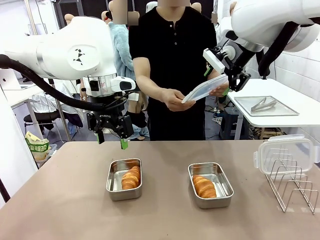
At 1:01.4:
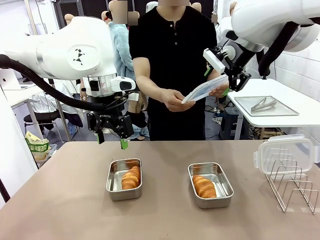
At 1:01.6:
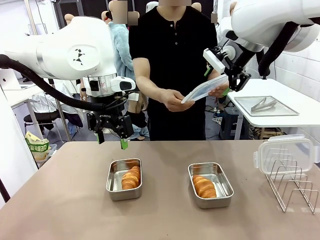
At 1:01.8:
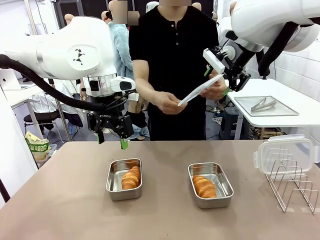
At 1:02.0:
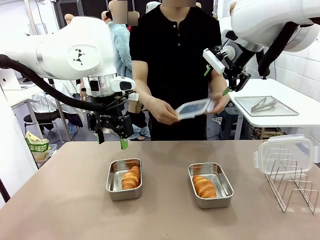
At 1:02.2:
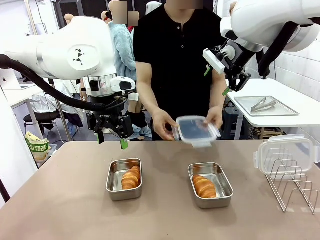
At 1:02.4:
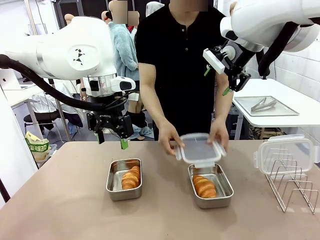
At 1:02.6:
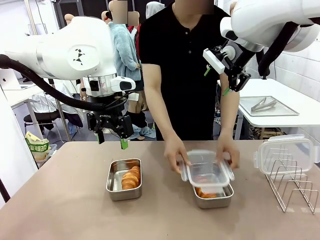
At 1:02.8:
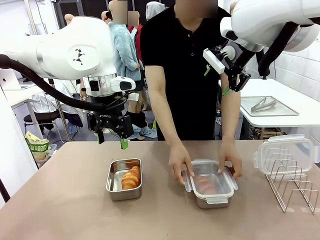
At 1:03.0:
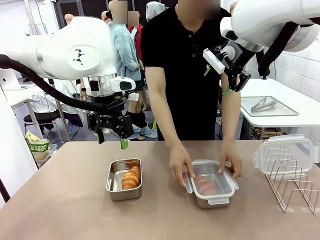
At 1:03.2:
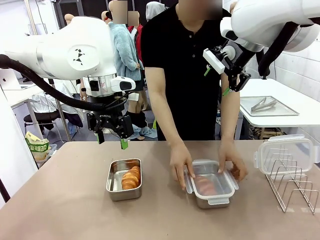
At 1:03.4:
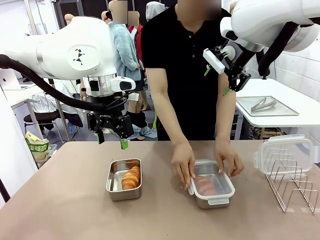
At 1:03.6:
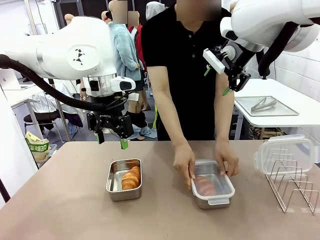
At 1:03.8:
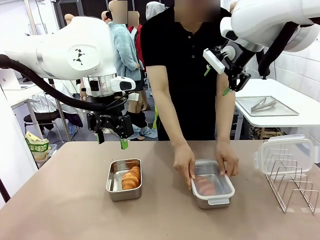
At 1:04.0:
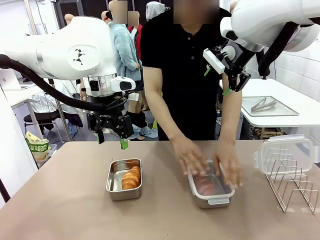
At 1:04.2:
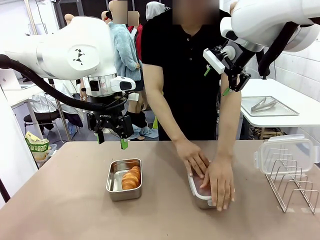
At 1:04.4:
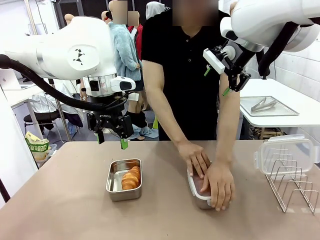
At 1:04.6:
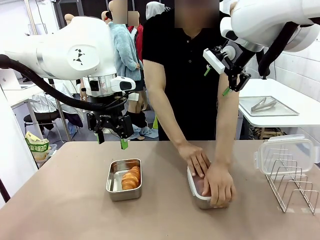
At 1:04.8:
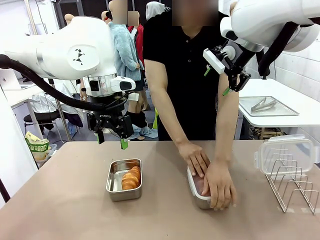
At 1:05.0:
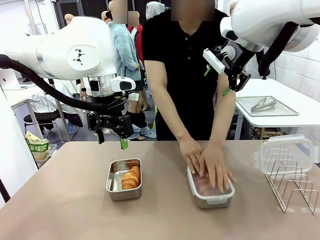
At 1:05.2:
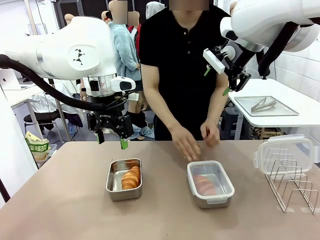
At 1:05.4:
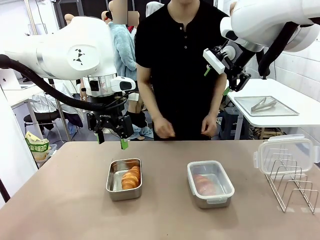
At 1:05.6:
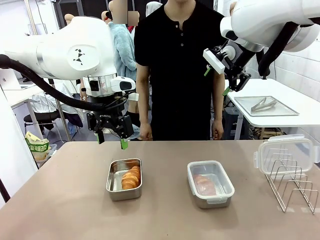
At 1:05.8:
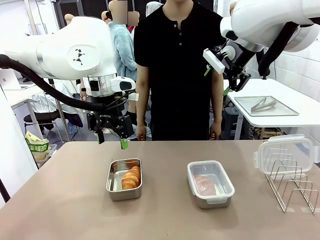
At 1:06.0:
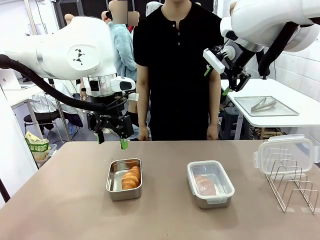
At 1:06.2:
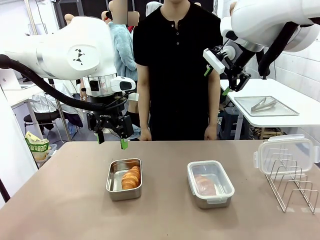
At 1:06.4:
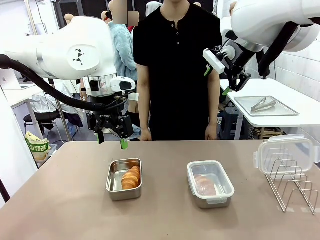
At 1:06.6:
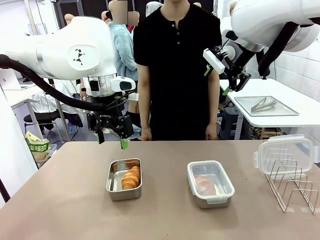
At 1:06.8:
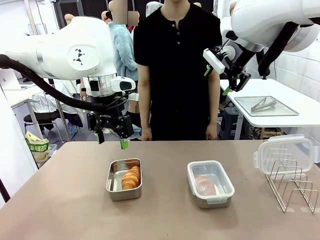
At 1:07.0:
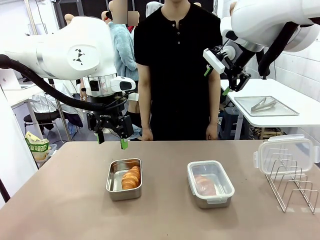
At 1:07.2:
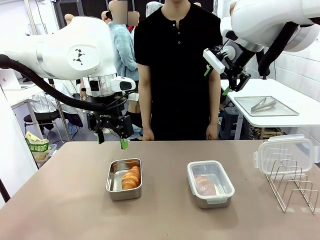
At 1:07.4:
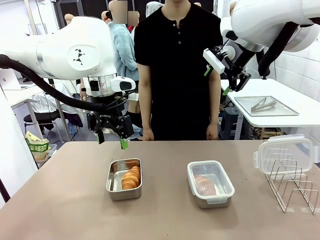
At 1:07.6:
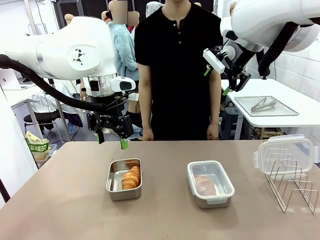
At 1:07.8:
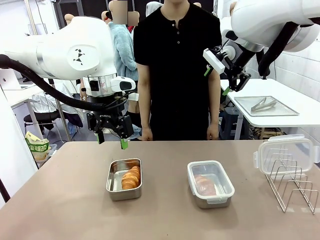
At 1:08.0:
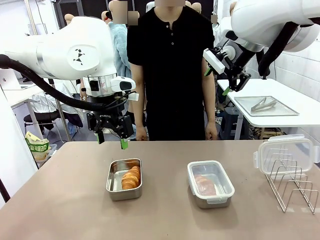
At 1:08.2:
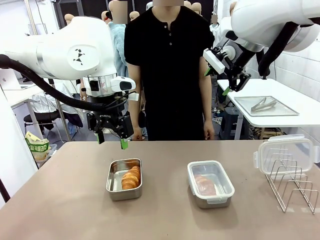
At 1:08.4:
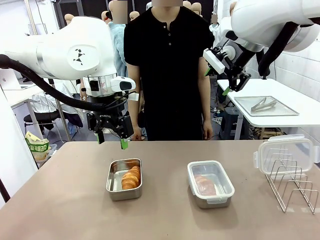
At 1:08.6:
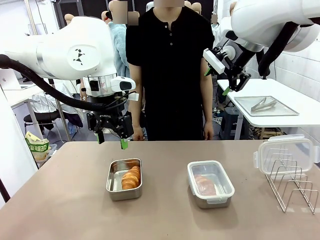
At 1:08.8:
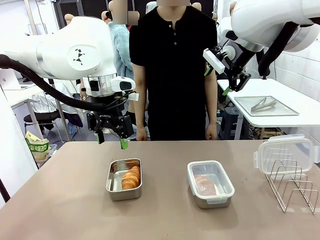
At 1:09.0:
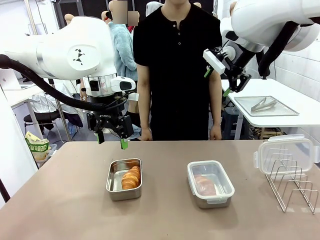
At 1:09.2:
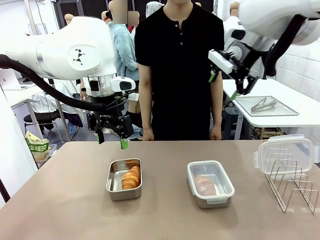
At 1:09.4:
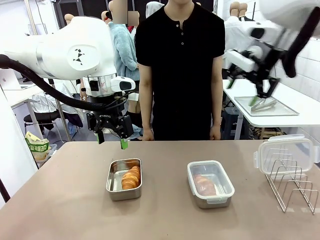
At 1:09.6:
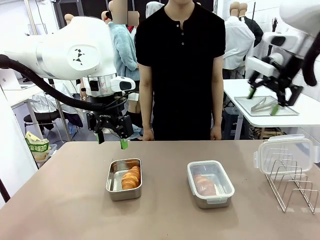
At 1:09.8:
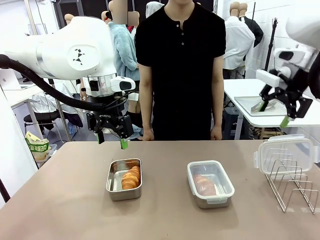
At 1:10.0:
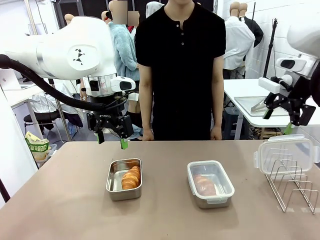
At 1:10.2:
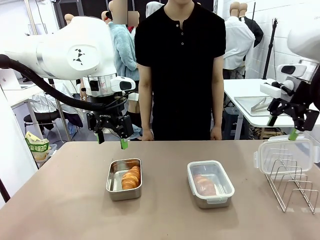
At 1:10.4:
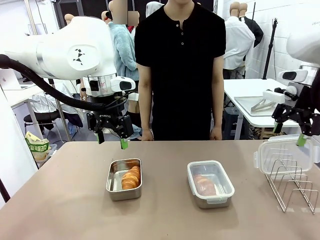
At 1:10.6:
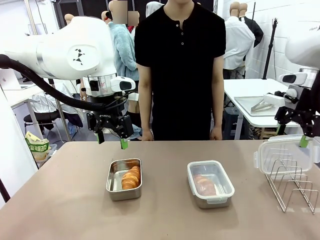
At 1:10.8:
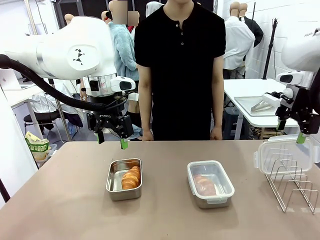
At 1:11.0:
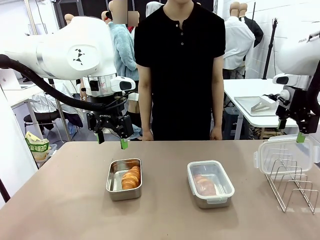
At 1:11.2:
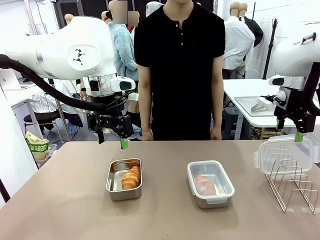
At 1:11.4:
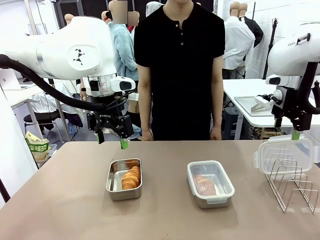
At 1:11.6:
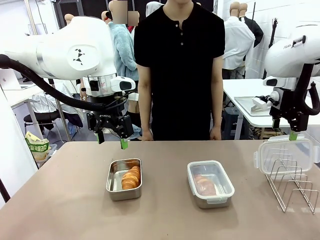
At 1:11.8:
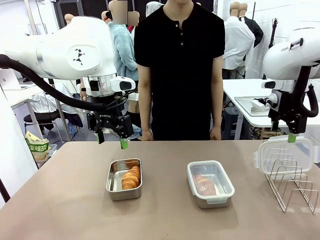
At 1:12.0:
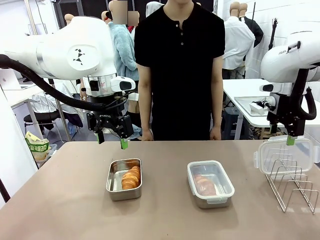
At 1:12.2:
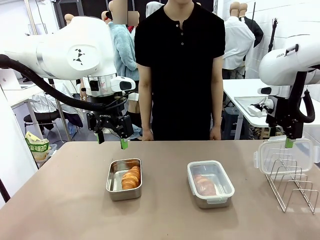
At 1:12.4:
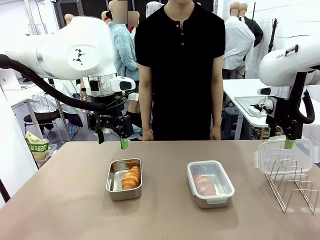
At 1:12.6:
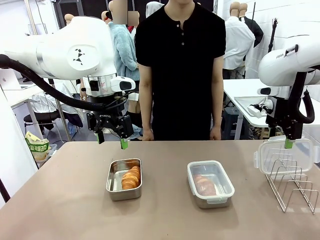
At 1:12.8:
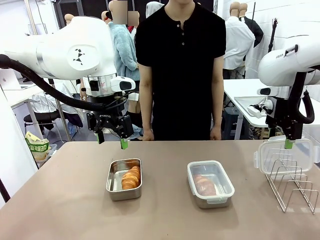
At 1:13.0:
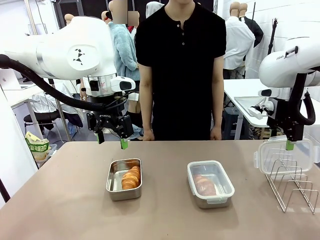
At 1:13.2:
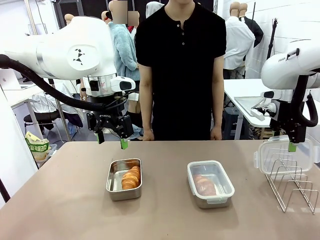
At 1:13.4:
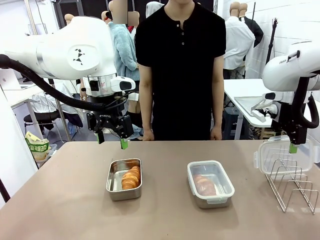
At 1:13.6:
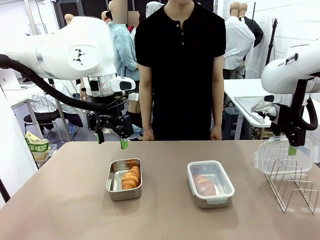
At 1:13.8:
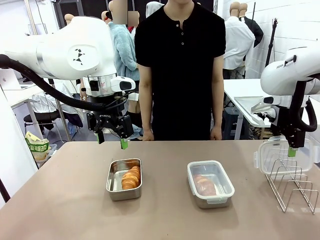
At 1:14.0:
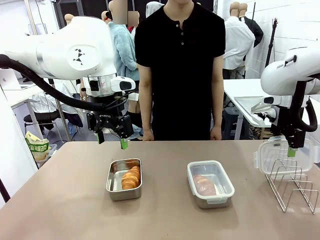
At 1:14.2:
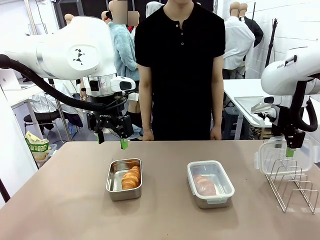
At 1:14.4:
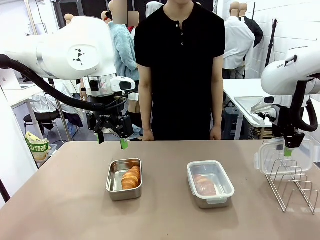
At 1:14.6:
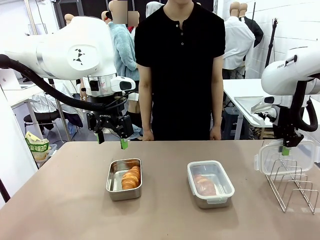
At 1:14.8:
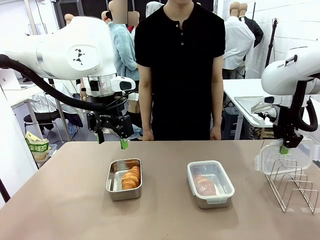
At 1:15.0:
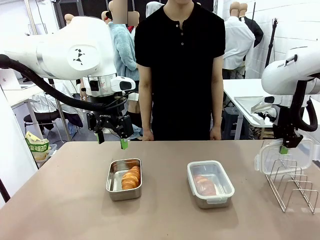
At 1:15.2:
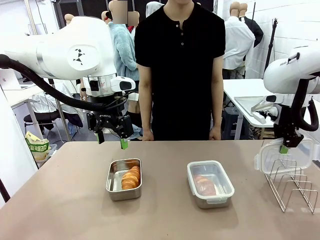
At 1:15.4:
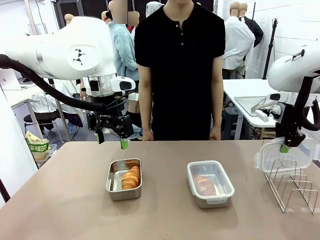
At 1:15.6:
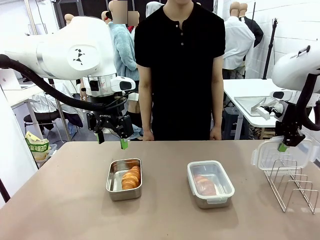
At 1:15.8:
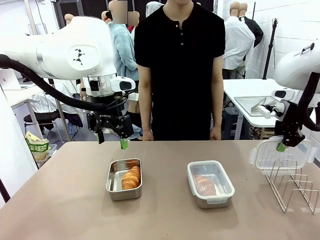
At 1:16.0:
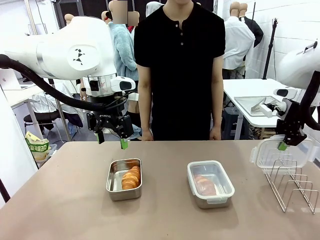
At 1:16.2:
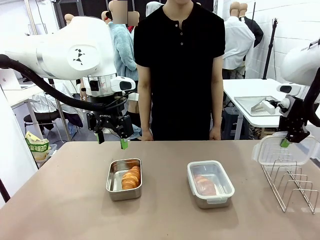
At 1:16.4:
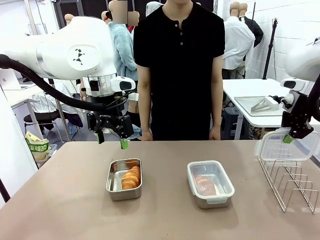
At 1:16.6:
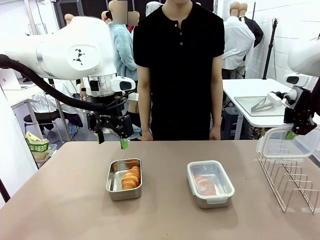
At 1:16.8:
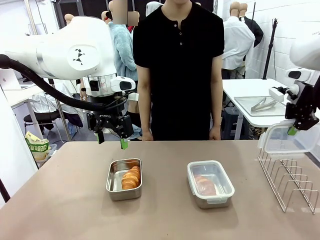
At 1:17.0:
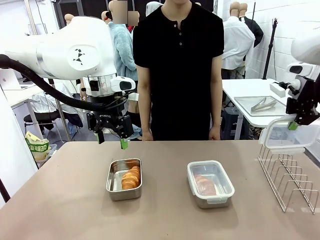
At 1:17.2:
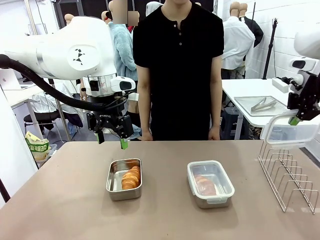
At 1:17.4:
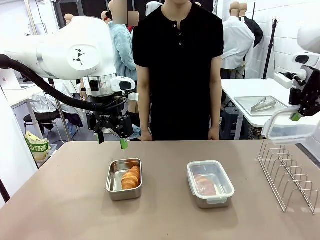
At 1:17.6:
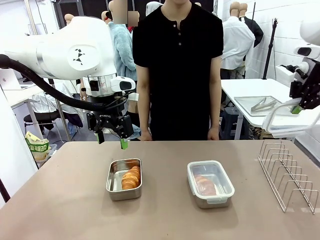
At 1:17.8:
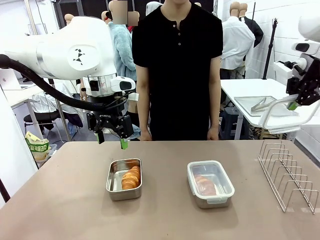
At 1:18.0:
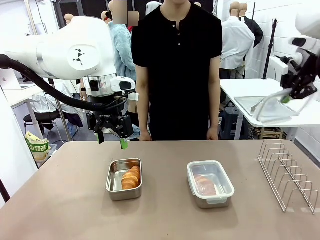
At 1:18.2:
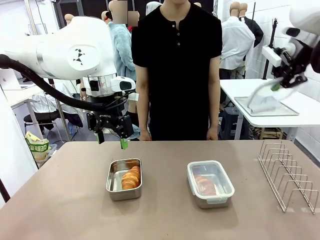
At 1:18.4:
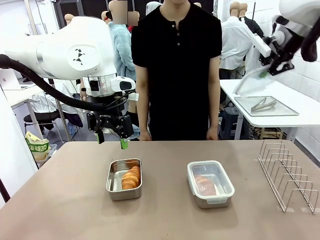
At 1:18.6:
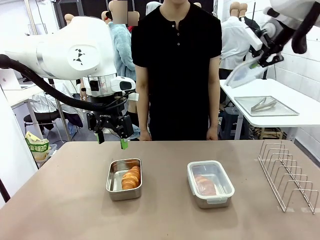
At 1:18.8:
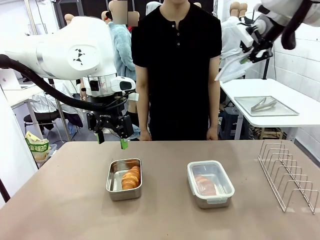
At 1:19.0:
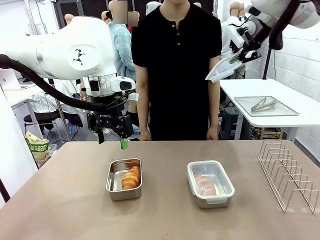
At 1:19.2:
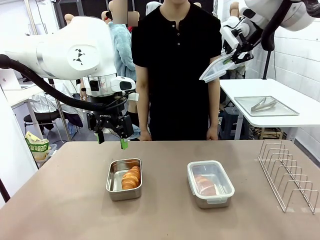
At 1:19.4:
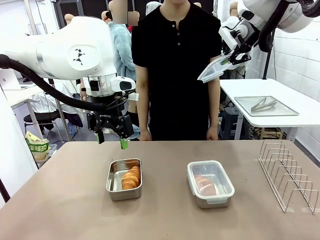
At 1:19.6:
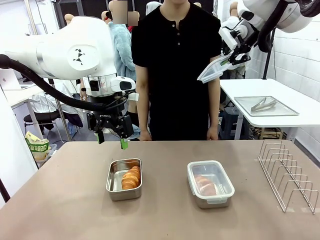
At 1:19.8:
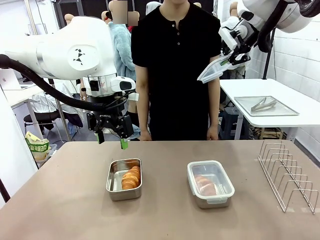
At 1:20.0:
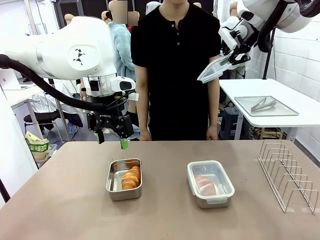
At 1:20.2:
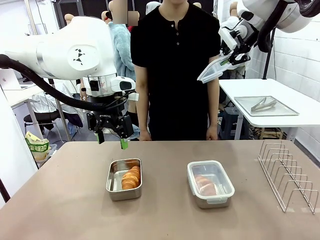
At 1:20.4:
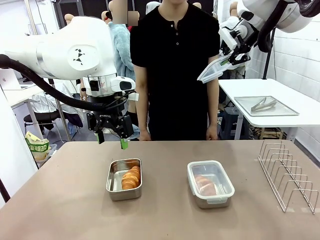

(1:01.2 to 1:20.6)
Task: Place the bread in airtight containers.
Robot: Pick up one Airtight Container lid and hand it to the human.
Person: Close Airtight Container with a handed Airtight Container lid. Grip Airtight Container lid that robot is handing.
